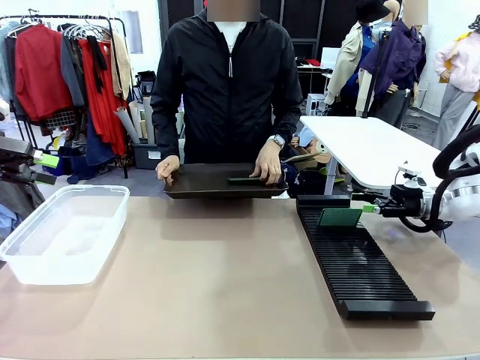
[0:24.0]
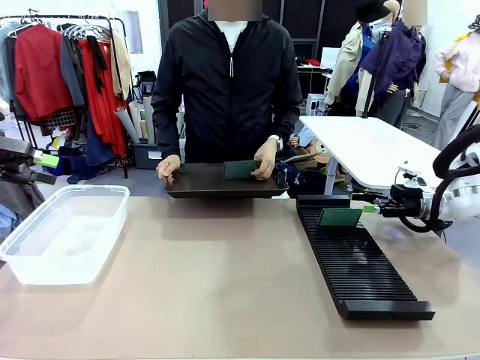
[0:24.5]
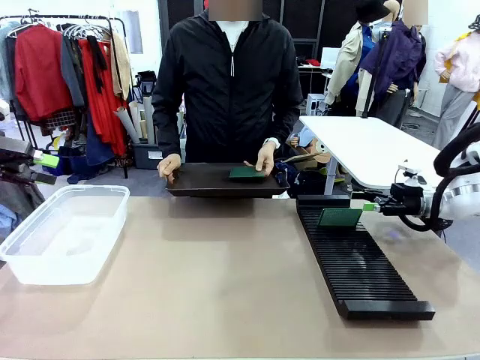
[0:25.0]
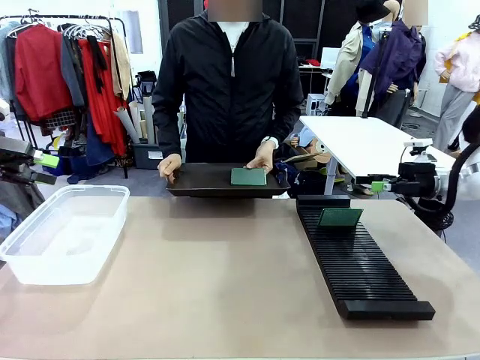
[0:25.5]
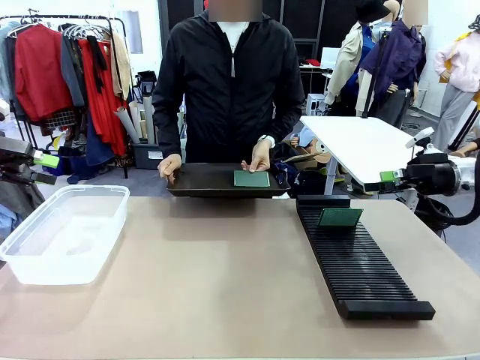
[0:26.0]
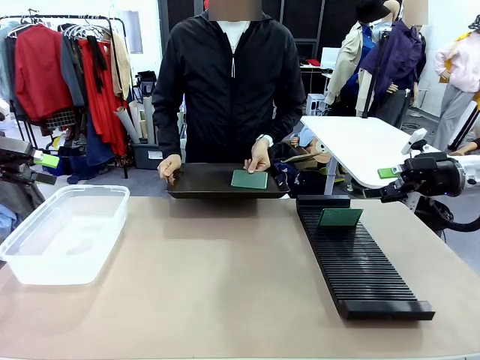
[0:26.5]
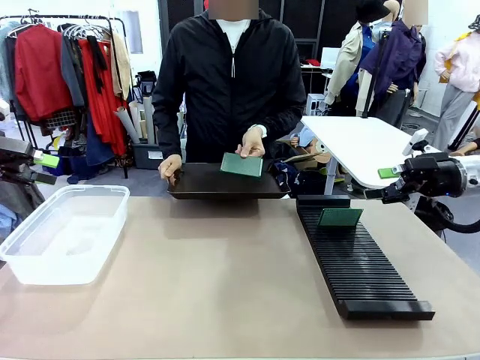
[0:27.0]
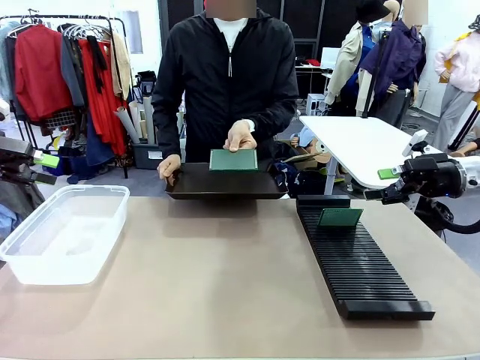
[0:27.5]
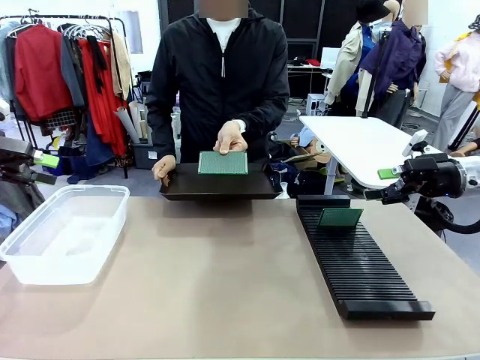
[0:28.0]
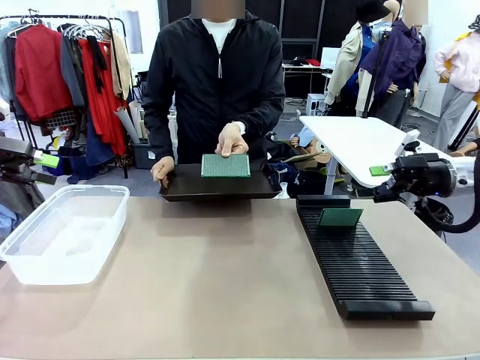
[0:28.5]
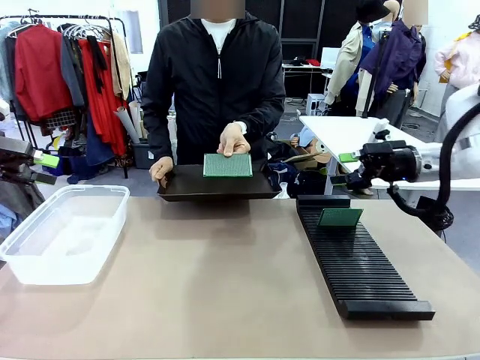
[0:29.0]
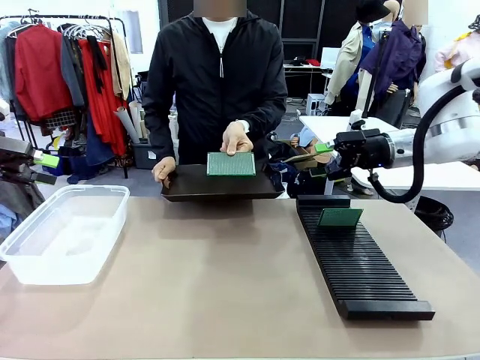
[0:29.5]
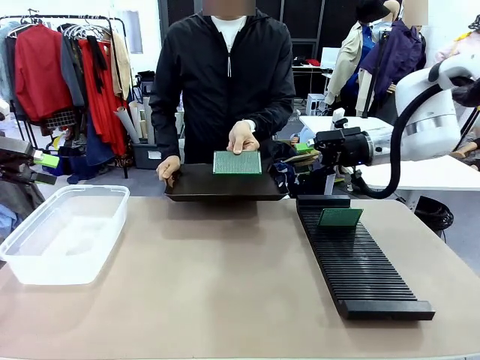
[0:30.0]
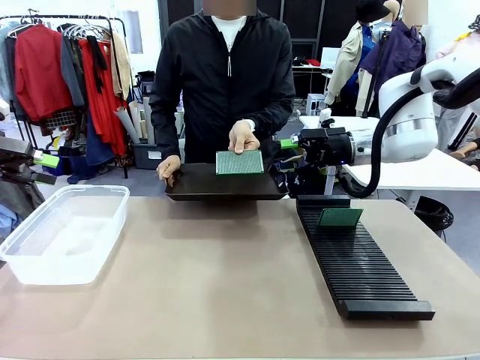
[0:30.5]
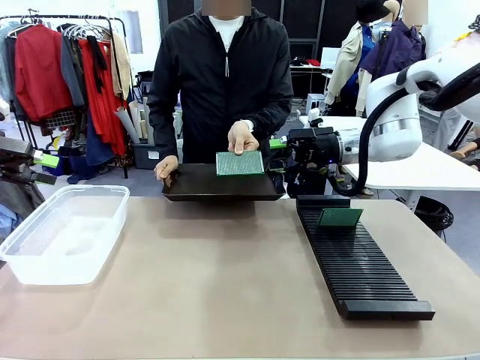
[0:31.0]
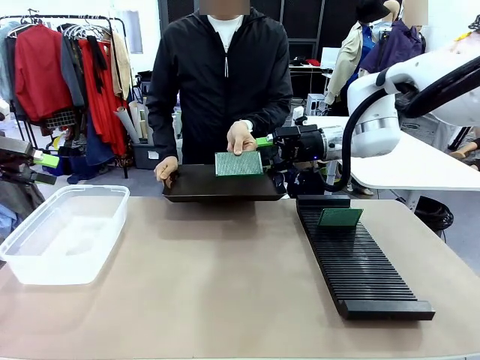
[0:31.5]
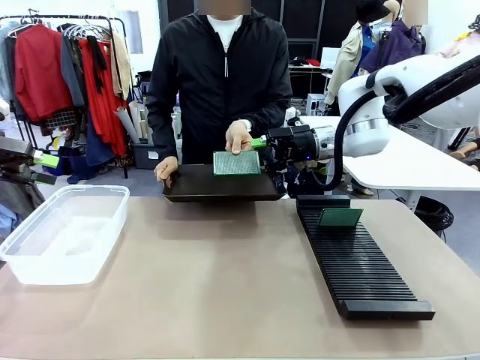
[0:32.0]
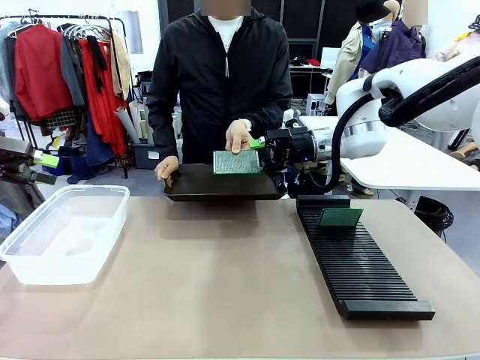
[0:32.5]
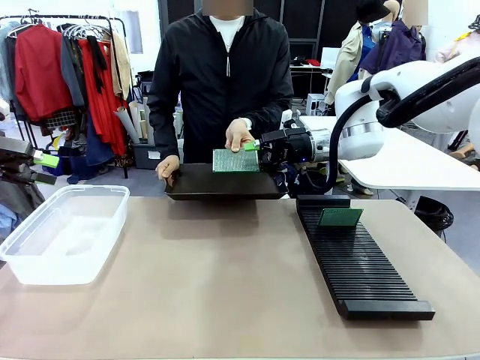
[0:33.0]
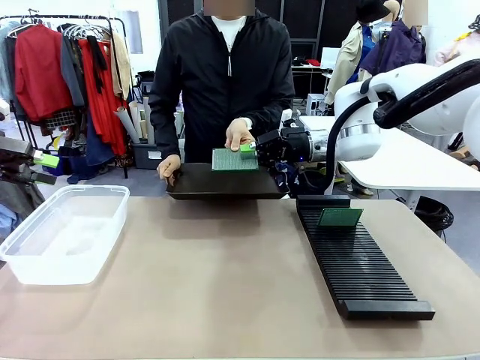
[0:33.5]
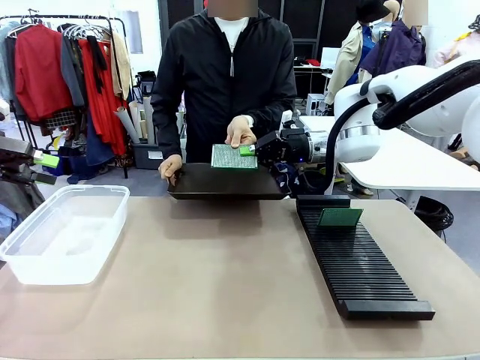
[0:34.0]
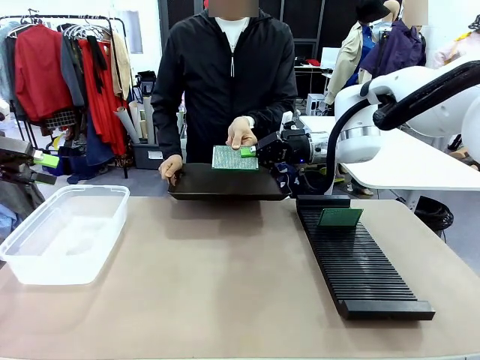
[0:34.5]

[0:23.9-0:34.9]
Task: Sort PCBs into racks and boxes based on the side picked up.
Robot: Pick up the Blank PCB handed by the Human.

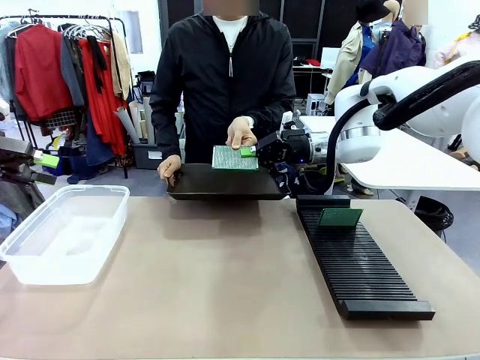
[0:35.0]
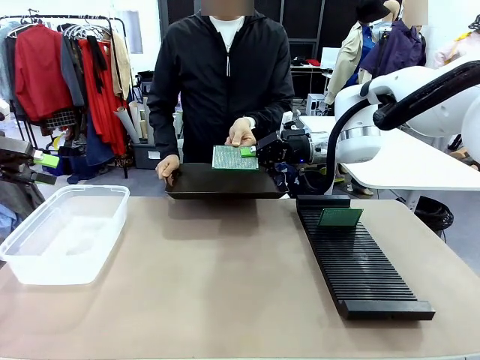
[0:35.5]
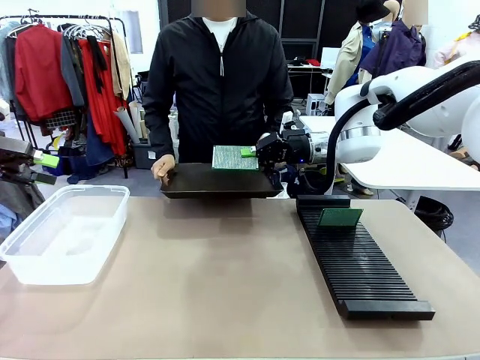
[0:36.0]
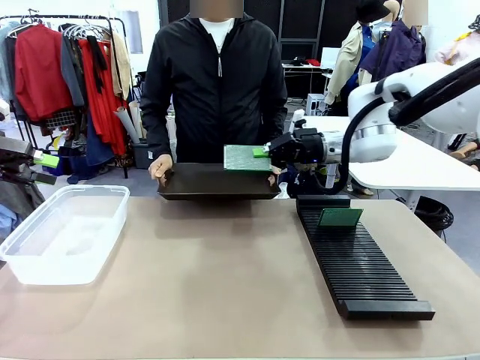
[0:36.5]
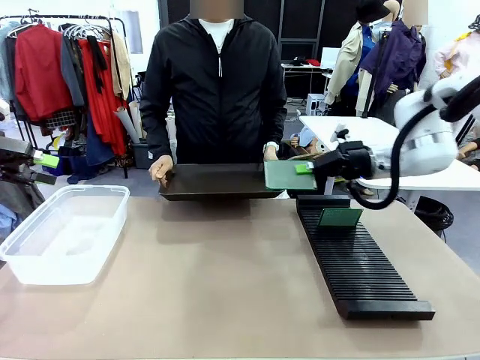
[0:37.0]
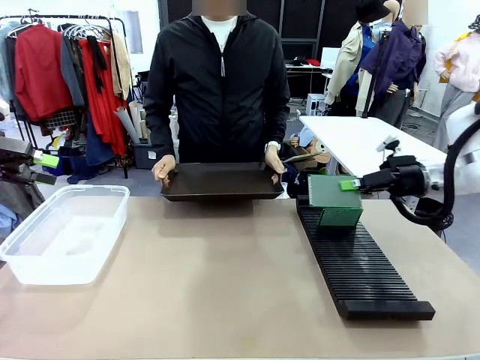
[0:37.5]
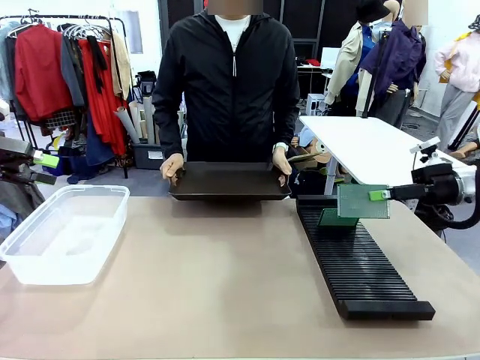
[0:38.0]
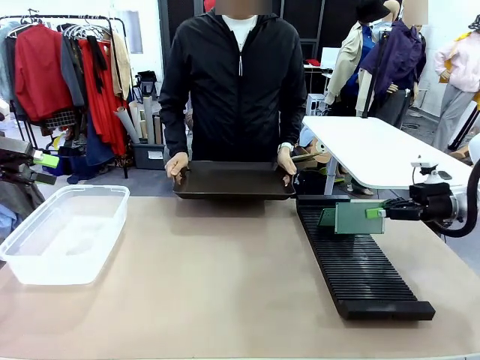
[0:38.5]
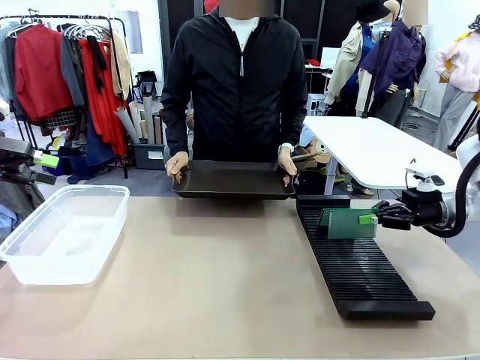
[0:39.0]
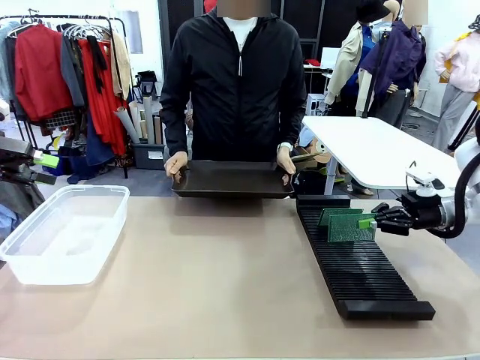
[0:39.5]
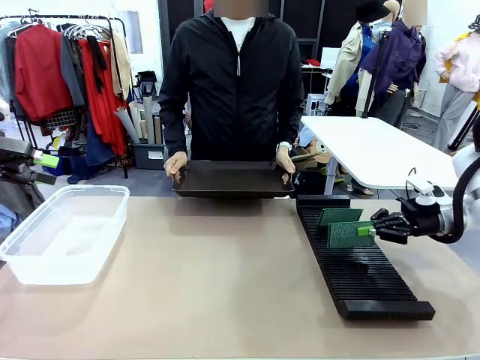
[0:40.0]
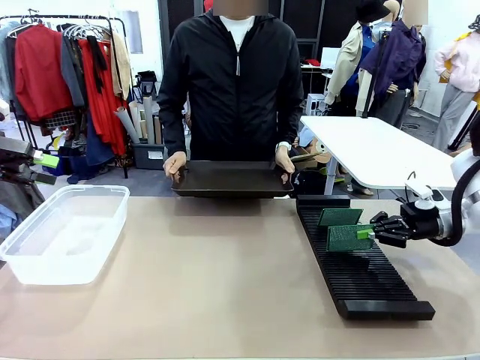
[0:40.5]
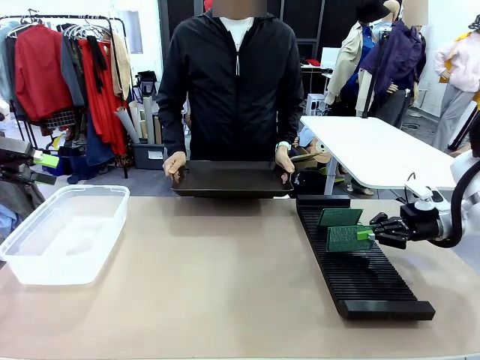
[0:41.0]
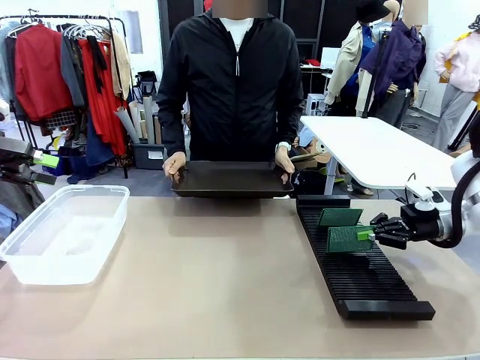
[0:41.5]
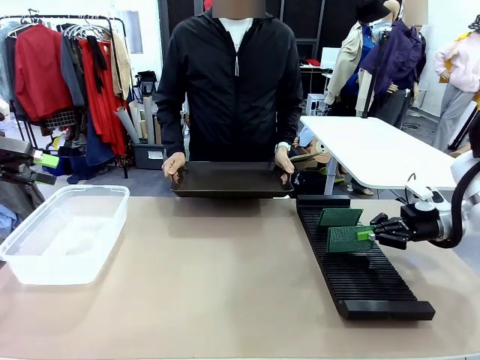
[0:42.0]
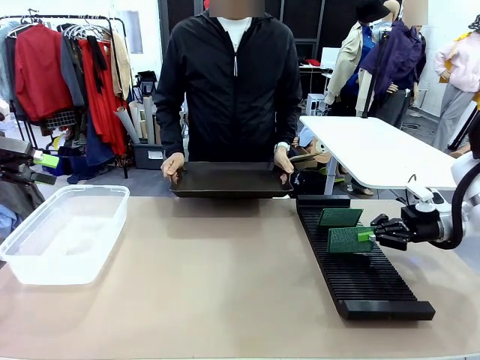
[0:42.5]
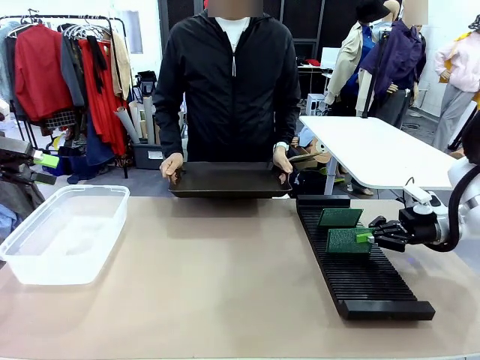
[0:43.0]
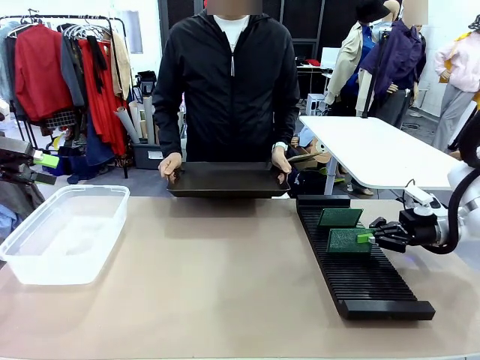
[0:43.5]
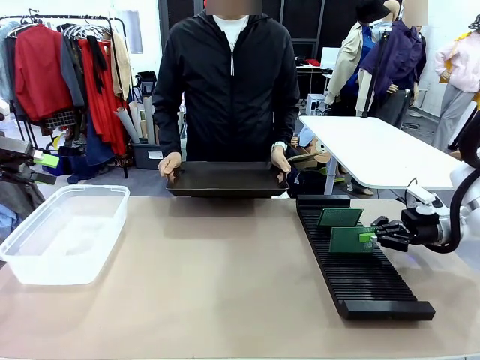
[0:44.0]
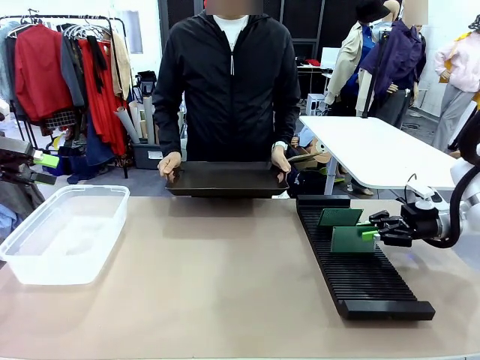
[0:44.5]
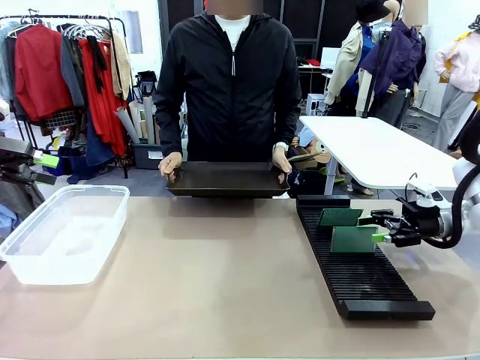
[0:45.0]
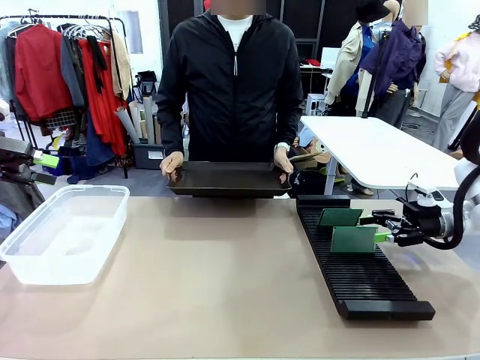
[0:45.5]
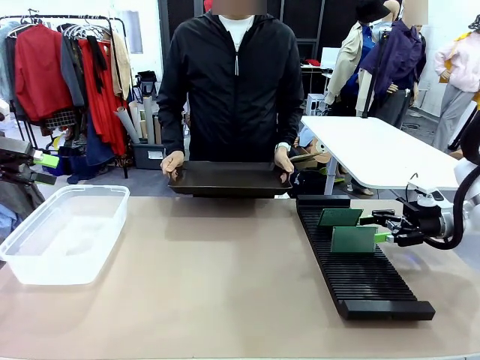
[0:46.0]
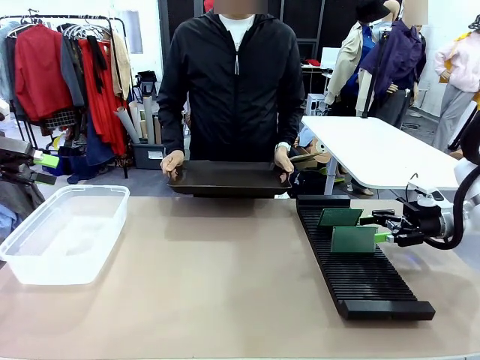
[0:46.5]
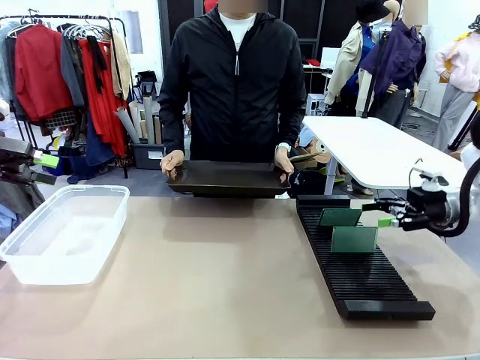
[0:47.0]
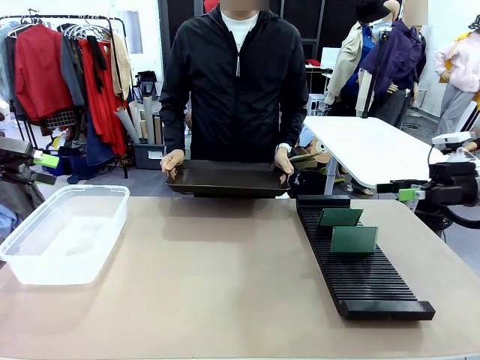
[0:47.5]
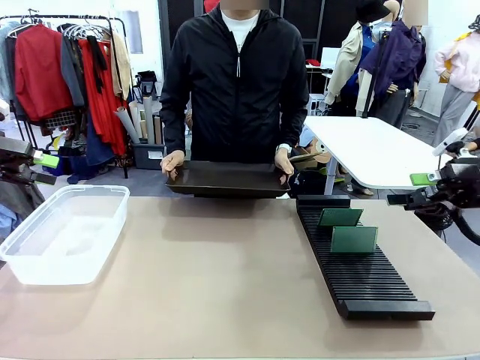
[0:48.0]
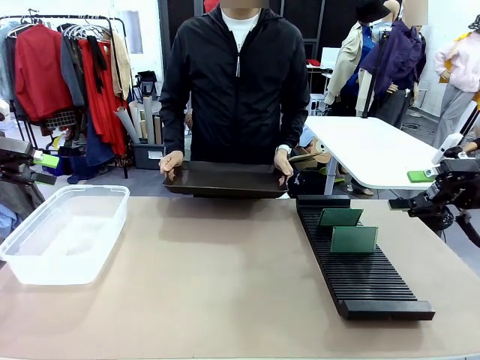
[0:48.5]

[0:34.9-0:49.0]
Robot: If the short side of the Blank PCB is picked up, insert it into the PCB Rack ; if the long side is picked up, place it in the Organizing box.
Person: Release the PCB being held.
